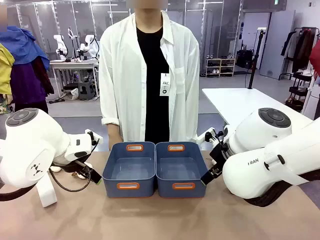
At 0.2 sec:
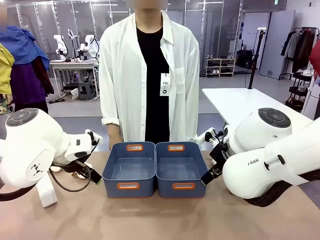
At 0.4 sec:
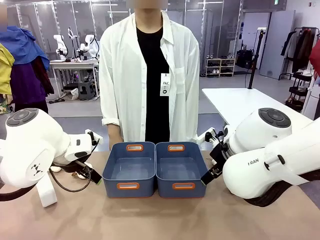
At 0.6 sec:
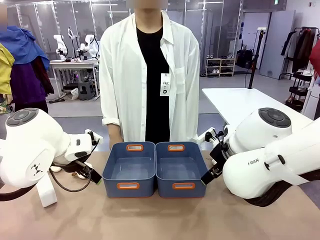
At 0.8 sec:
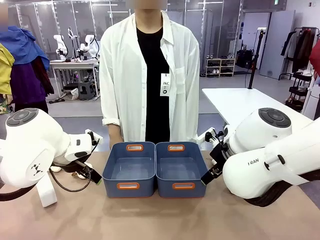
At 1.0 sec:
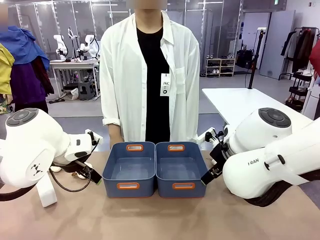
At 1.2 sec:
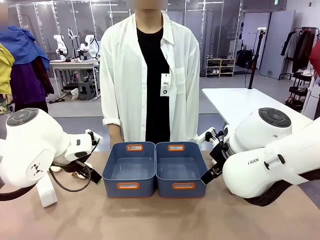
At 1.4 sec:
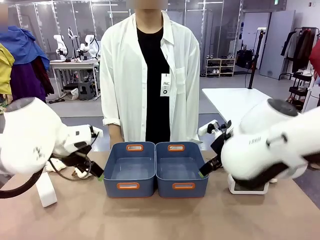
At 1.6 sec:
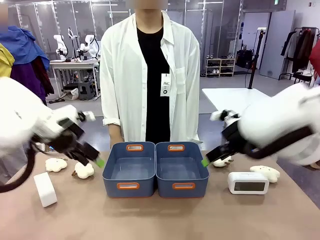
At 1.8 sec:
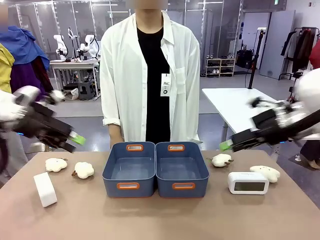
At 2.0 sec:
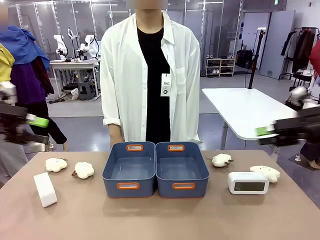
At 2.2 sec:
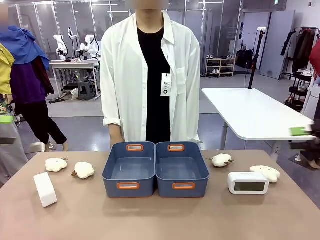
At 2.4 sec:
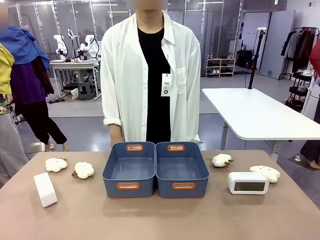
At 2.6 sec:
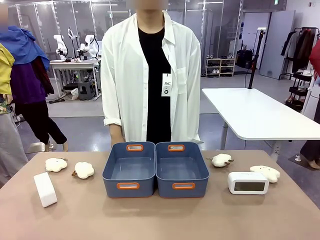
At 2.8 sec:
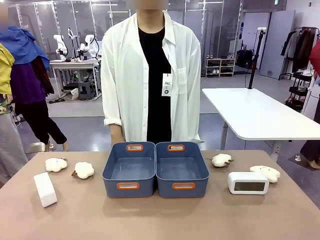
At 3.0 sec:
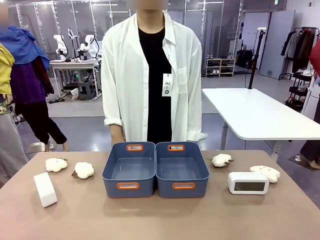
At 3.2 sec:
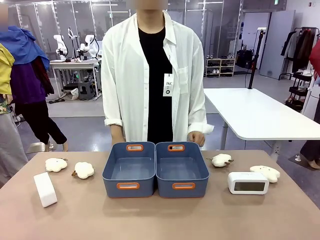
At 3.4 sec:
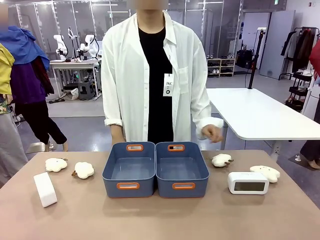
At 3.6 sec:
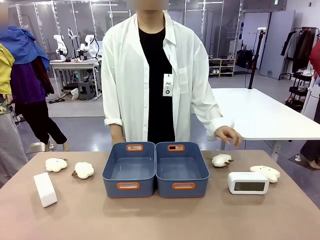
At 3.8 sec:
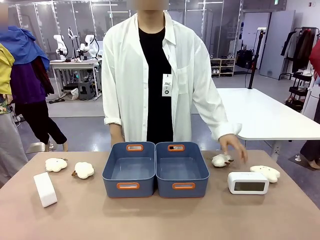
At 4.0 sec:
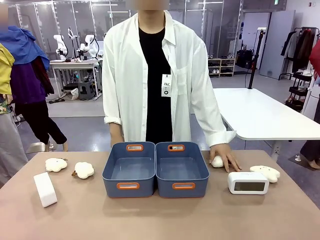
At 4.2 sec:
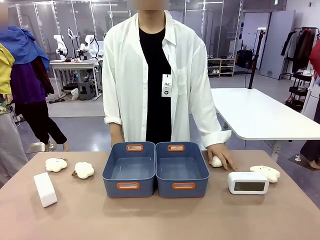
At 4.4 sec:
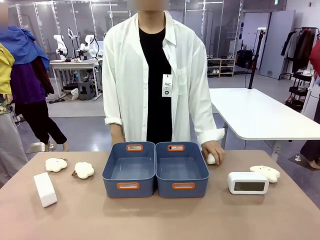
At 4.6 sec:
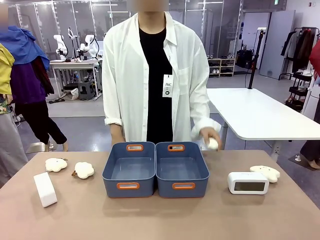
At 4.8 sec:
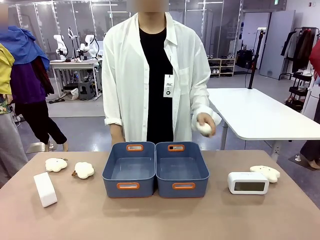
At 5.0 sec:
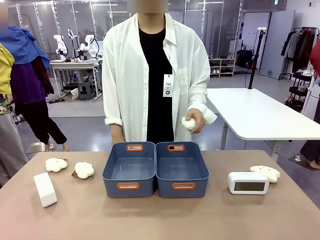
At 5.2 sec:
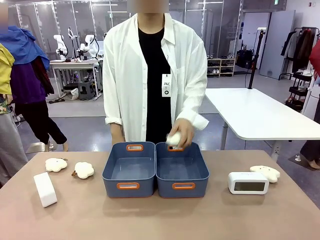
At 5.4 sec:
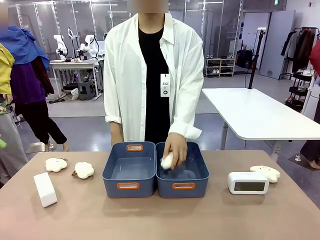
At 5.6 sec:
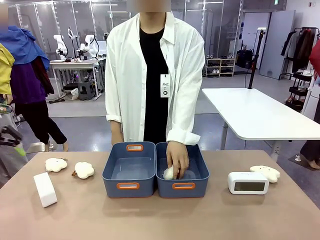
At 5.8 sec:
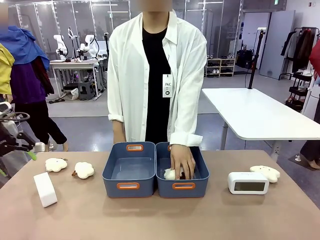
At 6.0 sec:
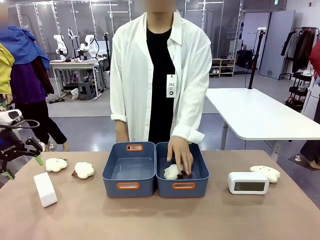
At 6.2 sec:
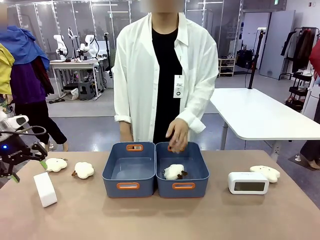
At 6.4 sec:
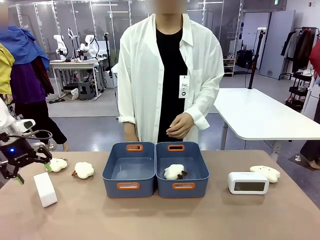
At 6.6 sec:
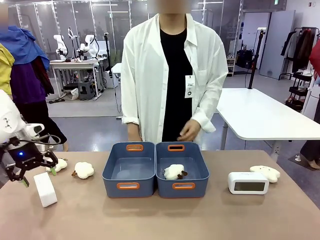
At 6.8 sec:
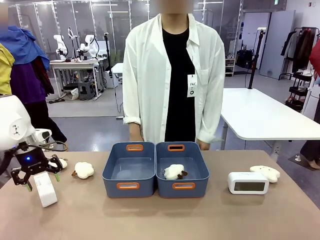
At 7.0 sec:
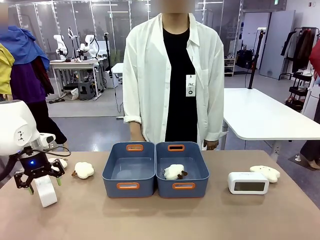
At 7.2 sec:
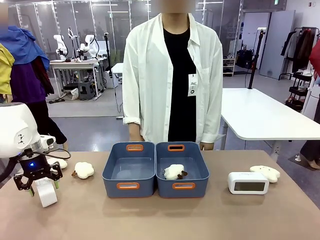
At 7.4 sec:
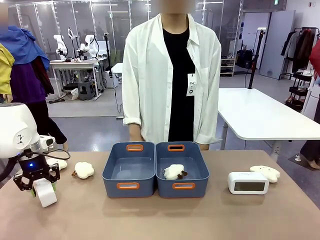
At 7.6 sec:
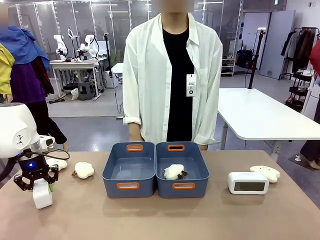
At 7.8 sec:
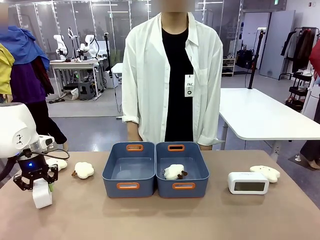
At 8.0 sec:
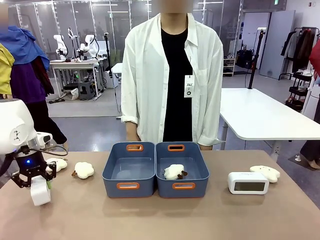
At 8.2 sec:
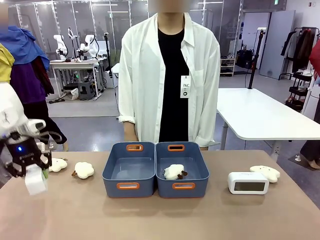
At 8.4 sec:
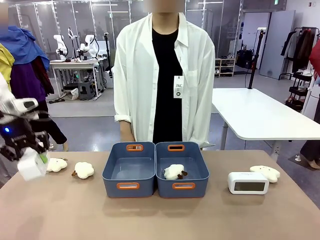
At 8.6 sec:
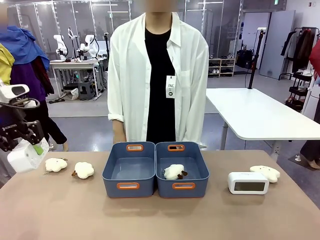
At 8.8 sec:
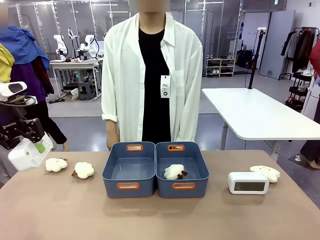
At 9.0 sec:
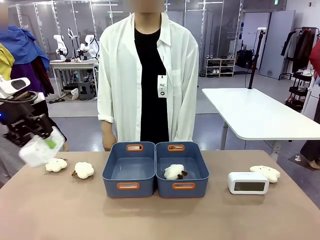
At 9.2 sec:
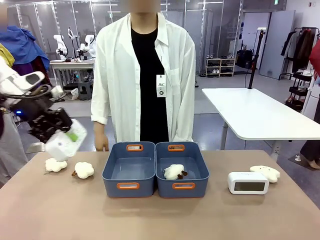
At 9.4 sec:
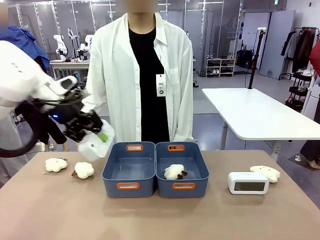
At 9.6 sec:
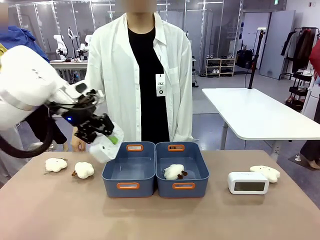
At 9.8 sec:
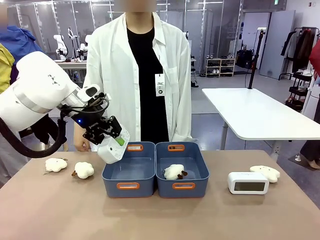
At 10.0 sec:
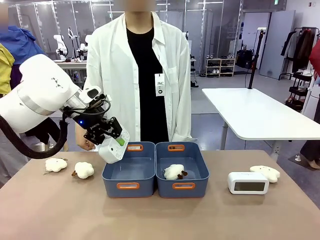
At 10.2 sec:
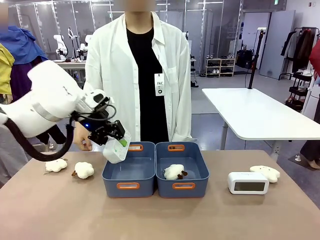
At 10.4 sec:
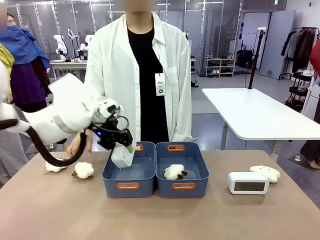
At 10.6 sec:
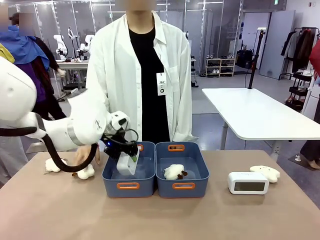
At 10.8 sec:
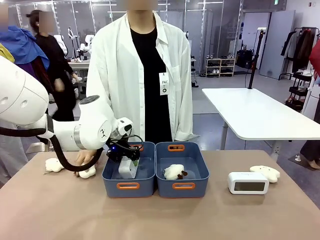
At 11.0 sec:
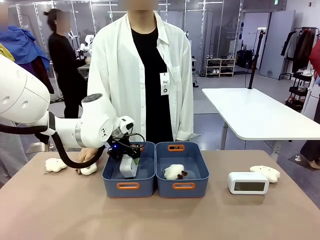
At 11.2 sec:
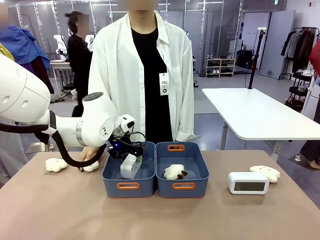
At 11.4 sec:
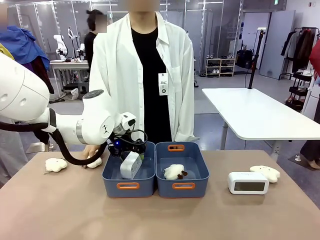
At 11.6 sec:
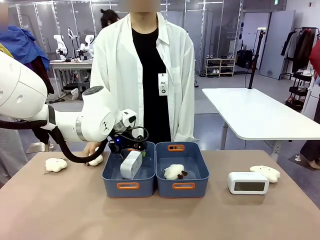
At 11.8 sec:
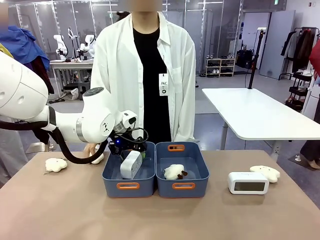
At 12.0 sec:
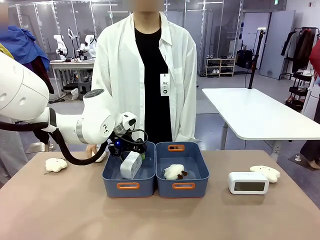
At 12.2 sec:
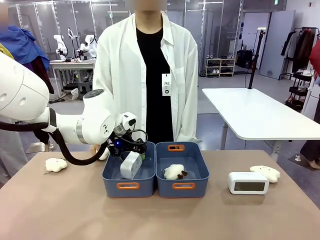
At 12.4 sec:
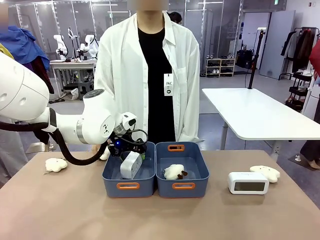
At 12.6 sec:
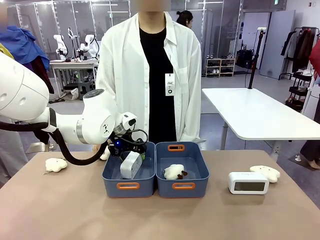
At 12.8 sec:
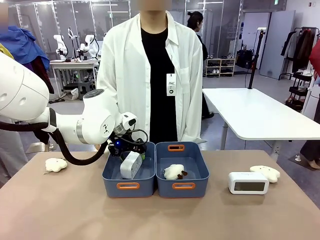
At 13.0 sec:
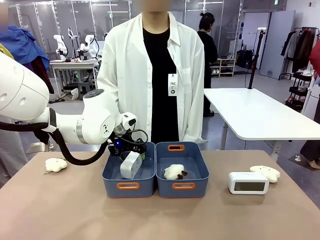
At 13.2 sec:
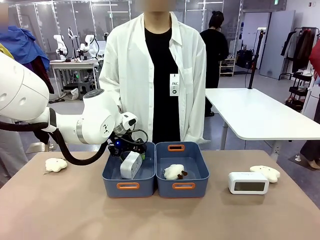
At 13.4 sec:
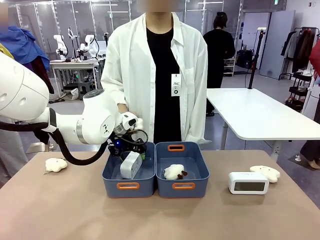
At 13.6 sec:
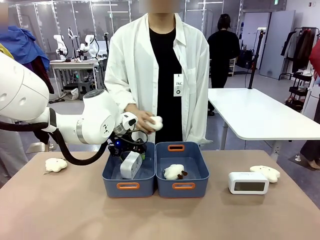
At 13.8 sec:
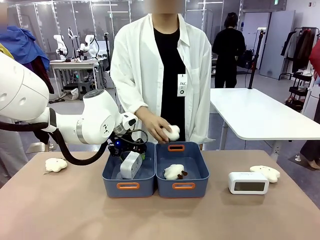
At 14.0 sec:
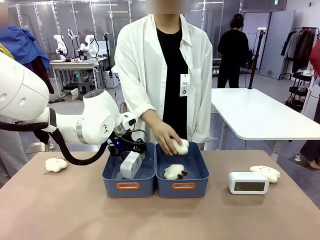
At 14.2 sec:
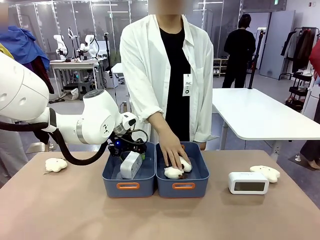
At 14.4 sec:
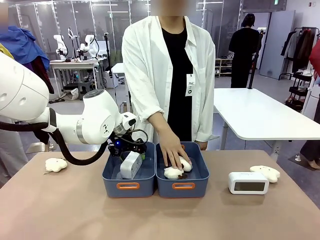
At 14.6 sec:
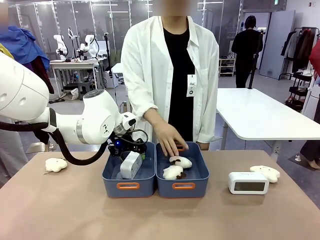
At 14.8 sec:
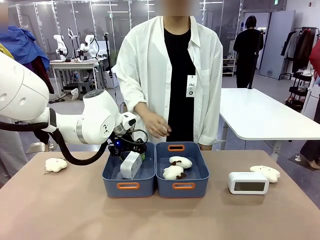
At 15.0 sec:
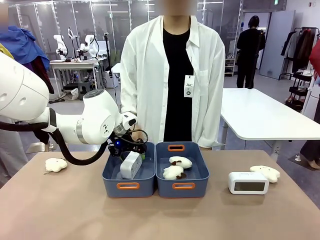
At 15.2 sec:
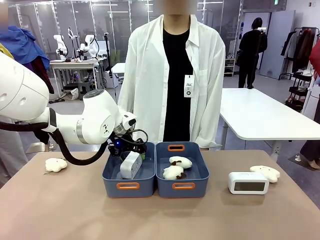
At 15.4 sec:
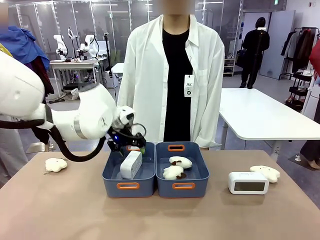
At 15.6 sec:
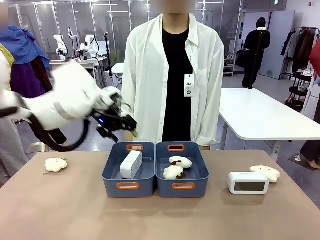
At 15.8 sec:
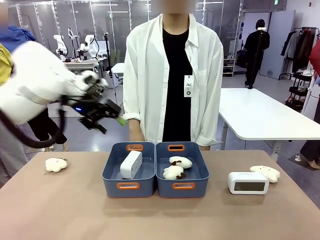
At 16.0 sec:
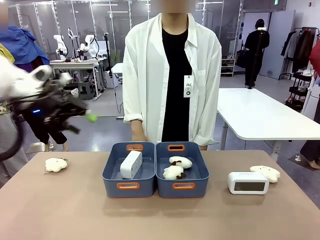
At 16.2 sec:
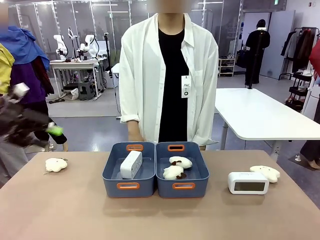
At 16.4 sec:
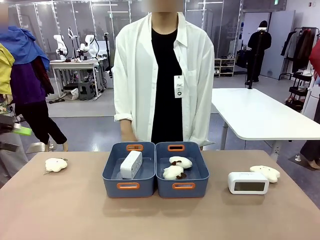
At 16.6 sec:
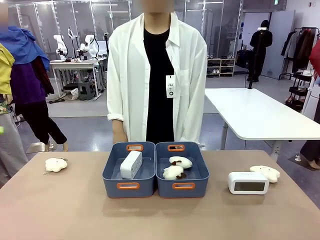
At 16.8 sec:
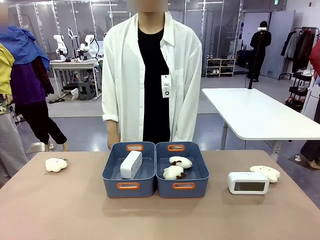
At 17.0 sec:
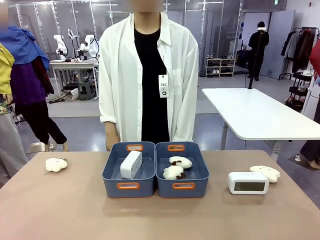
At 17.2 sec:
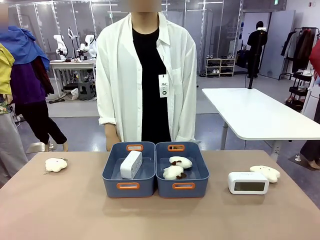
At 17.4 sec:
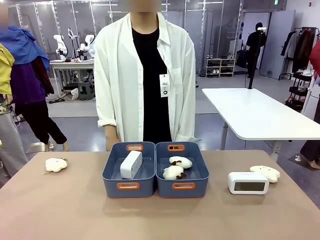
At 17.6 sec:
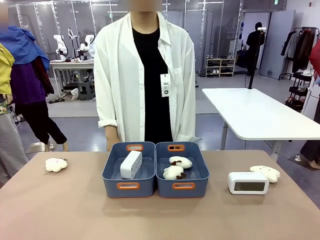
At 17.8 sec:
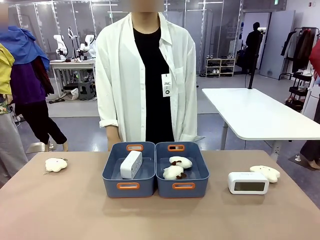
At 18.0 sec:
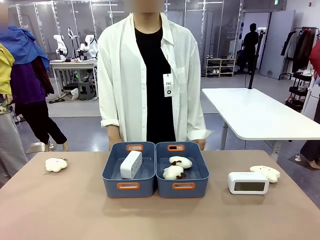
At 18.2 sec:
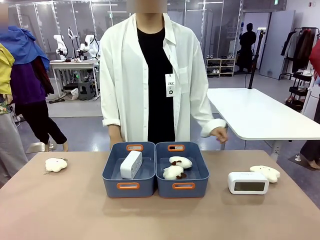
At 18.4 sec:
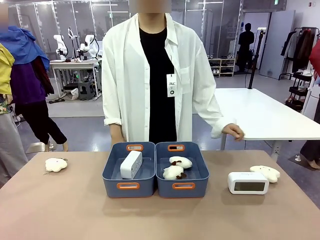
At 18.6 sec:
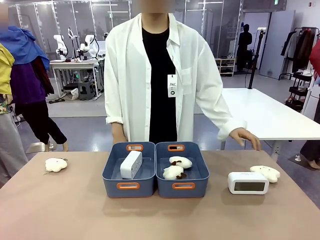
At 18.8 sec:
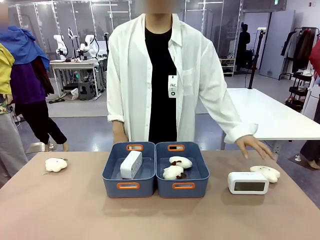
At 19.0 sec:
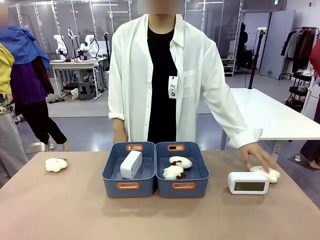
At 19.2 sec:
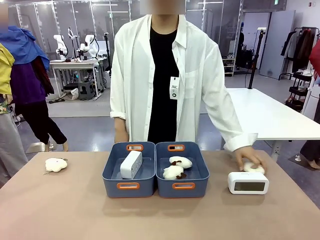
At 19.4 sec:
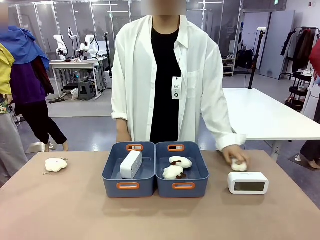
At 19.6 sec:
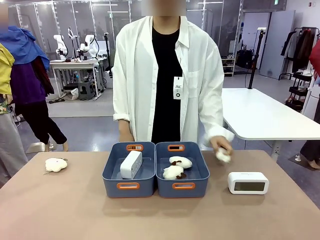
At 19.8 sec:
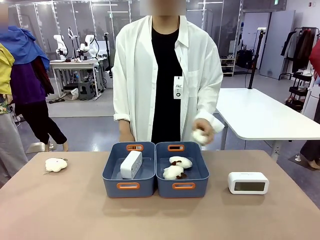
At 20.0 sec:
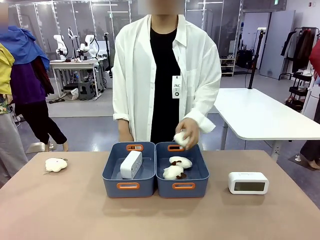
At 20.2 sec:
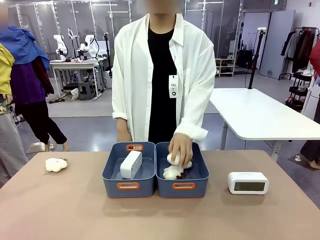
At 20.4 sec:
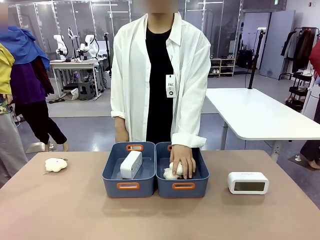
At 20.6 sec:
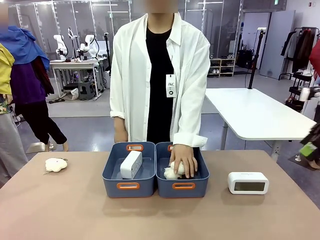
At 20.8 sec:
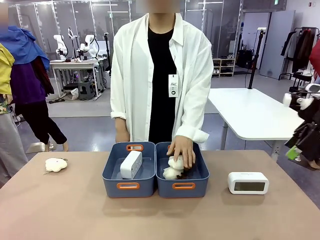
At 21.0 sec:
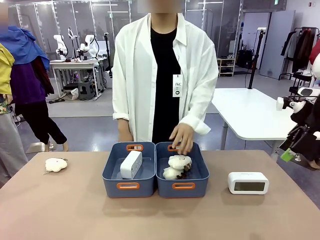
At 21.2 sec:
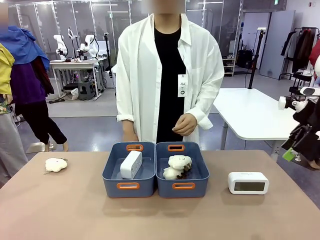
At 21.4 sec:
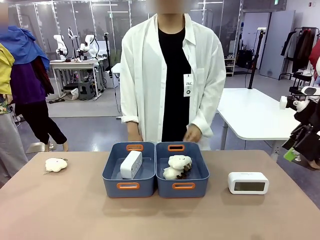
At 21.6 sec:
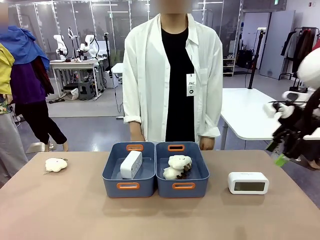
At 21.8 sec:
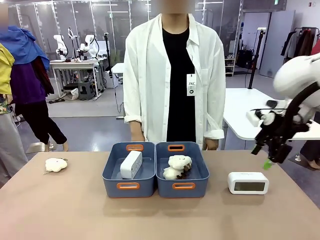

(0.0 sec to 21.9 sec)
Task: Sort the digital clocks into the basket.
Robot: Pick up the Digital clock from the table and place it into the empty Plastic storage basket.
Person: Pick up a plush toy from the table and place it in a plastic storage basket.
